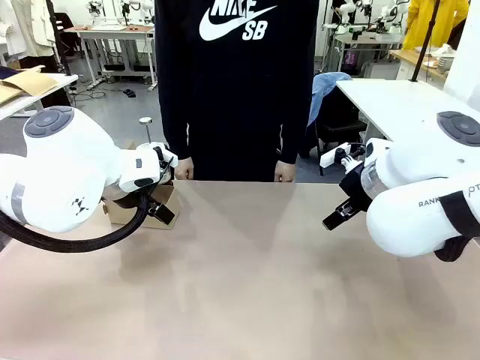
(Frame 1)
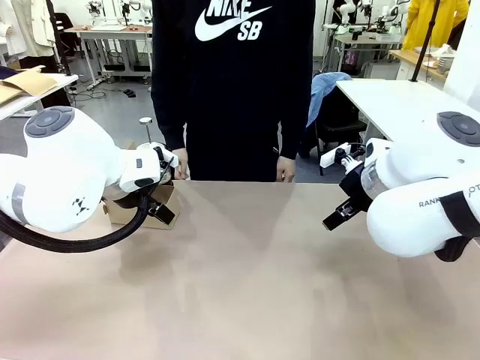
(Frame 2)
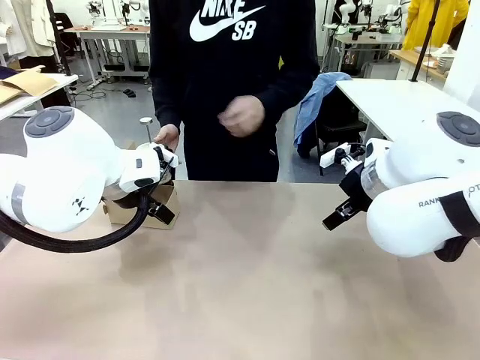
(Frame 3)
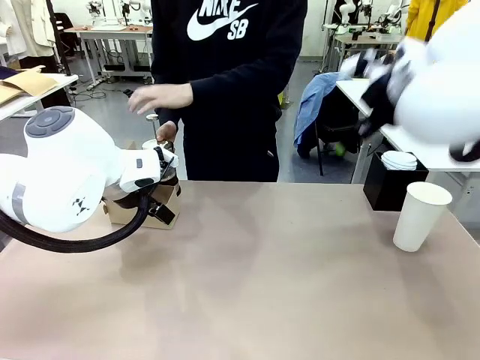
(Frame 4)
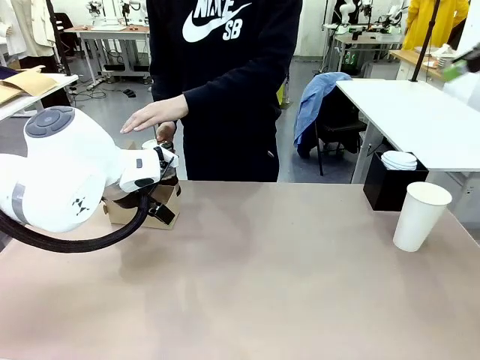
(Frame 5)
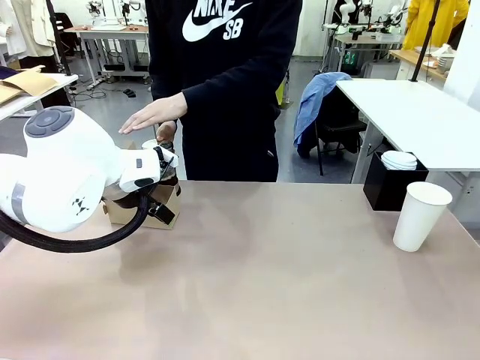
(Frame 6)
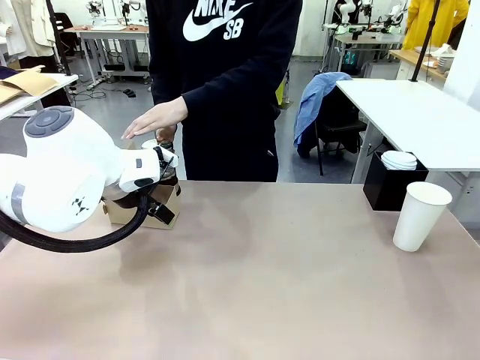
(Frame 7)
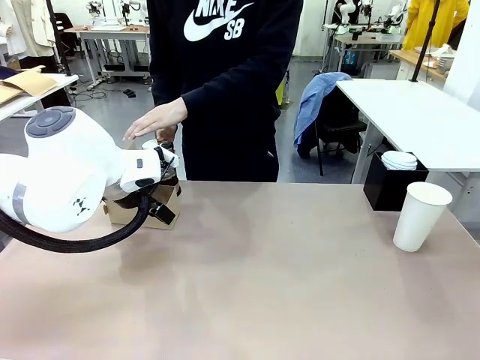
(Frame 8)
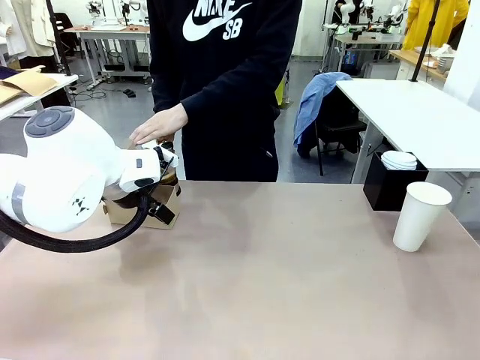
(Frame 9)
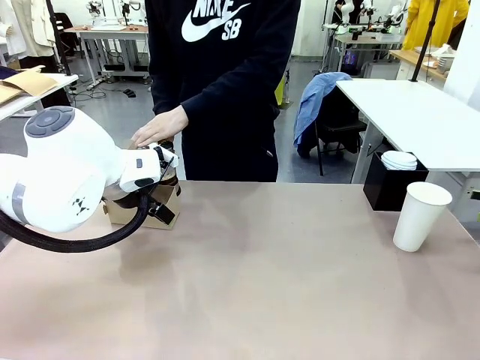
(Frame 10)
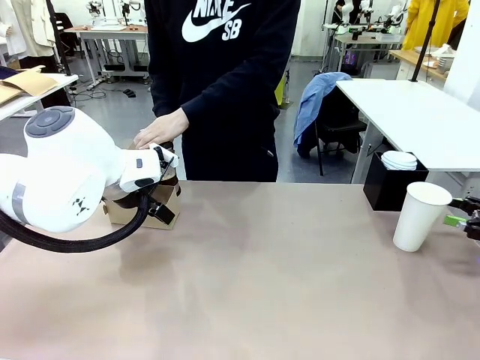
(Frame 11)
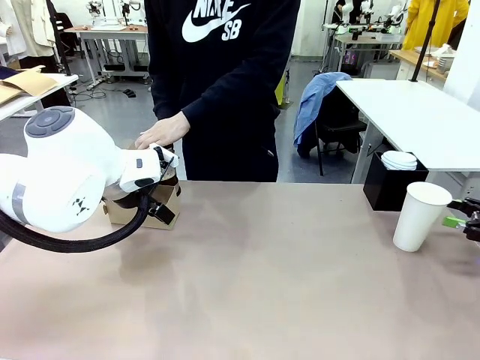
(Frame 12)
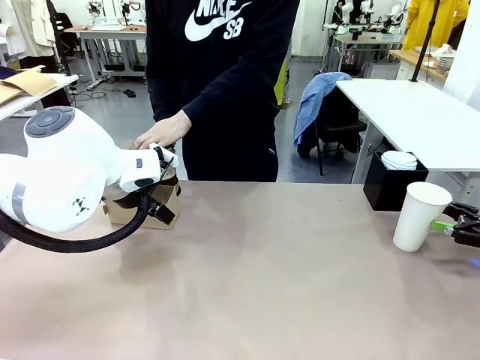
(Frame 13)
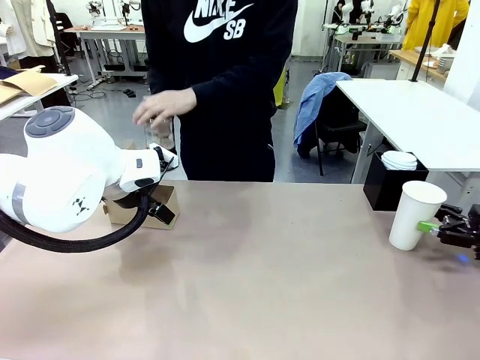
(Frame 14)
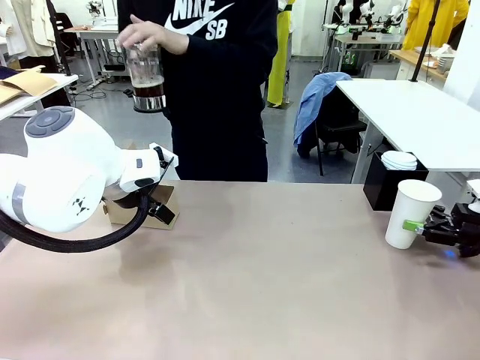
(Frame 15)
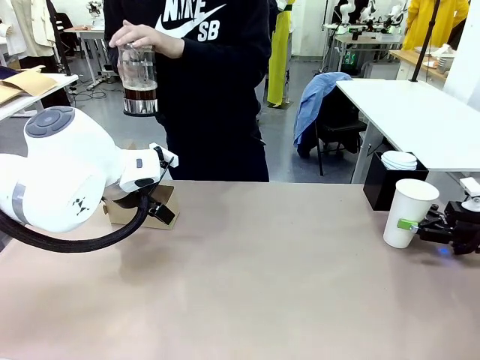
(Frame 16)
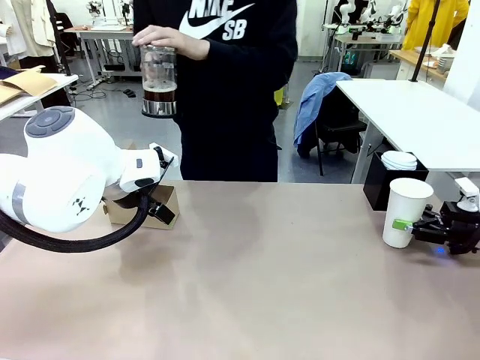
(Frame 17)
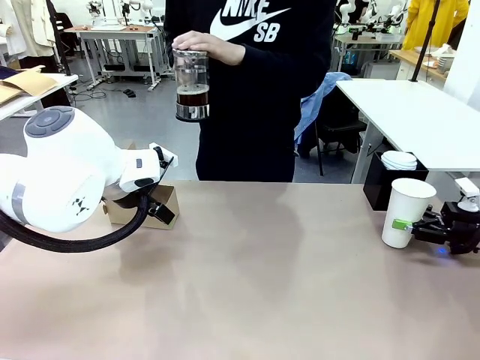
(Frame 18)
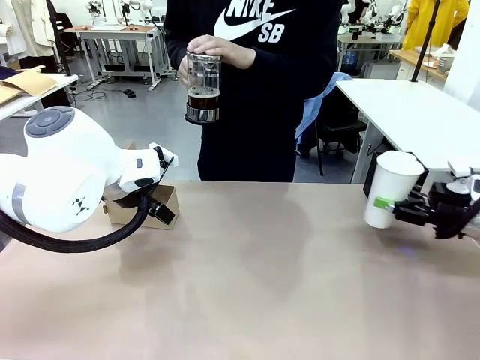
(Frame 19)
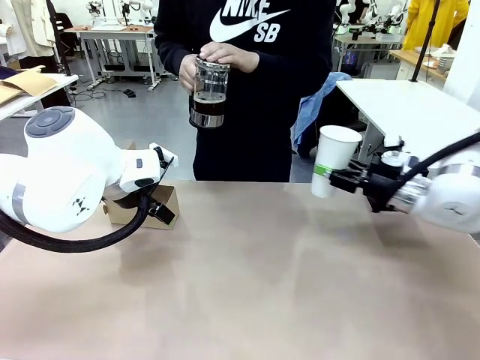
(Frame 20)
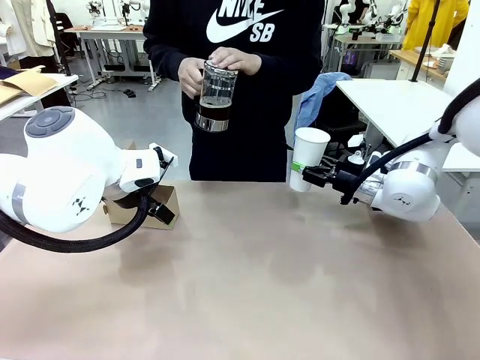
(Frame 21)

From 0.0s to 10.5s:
Task: Pour a drink into a cup and package it in a carrier.
Robot: Pick up the 600 ml Paper Cup and place it in the middle top area of the table.
Person: Press and pick up the Filter Brewing.

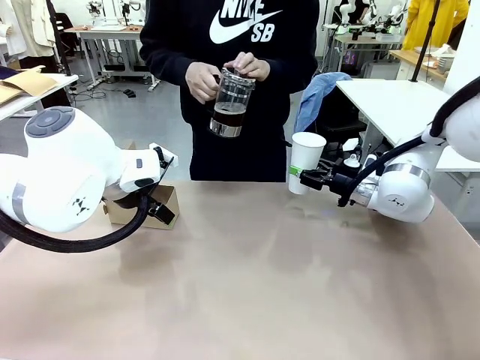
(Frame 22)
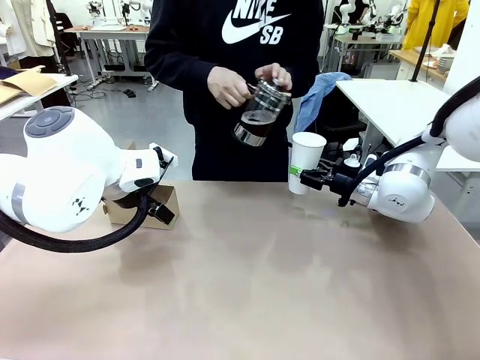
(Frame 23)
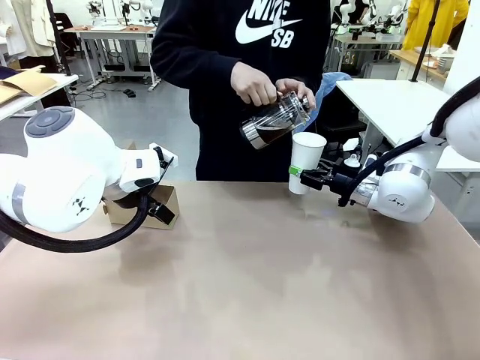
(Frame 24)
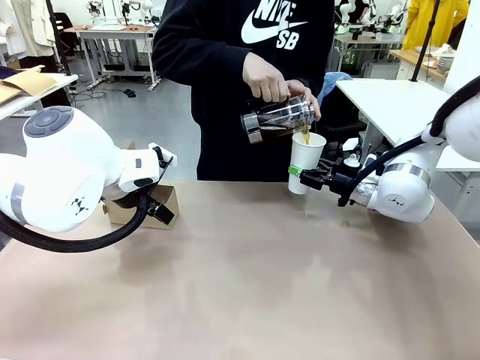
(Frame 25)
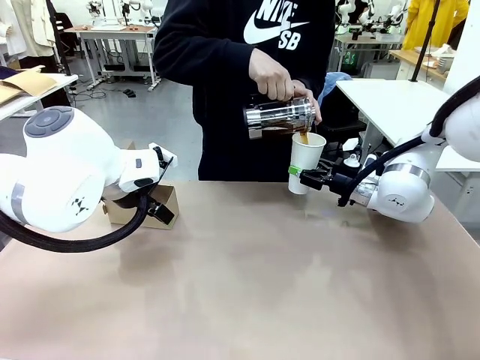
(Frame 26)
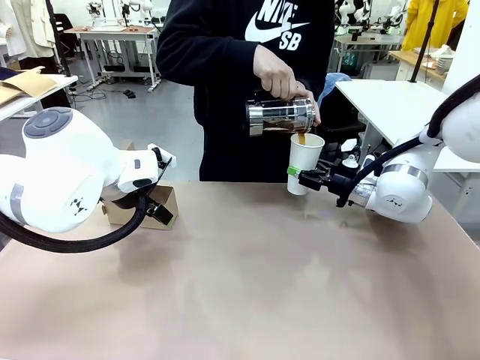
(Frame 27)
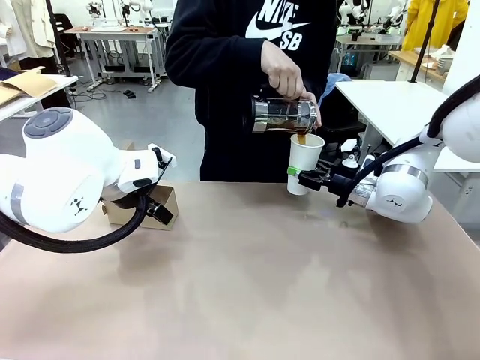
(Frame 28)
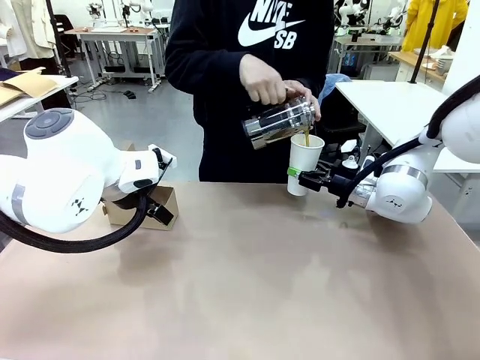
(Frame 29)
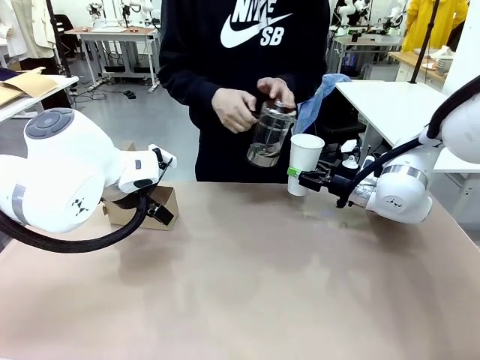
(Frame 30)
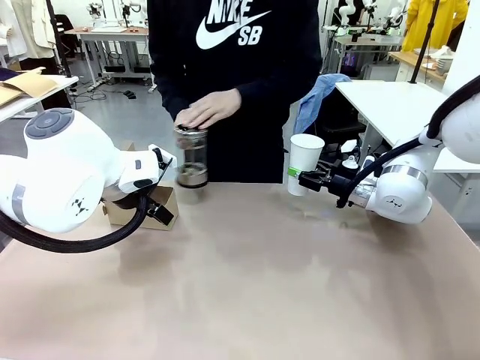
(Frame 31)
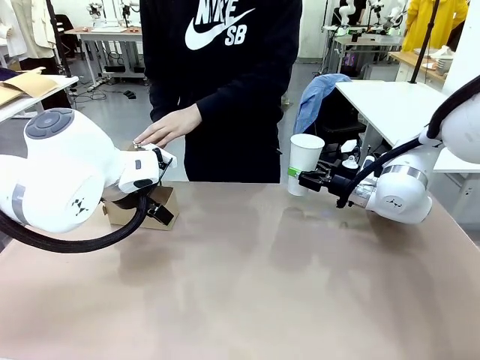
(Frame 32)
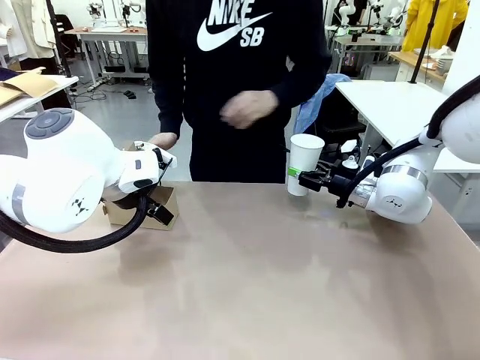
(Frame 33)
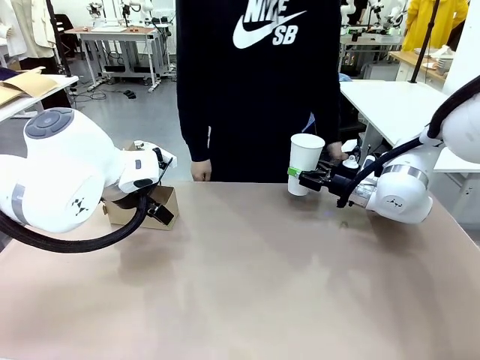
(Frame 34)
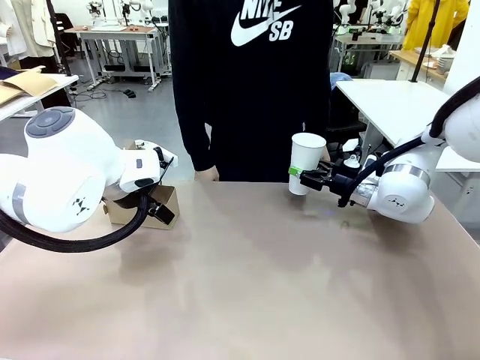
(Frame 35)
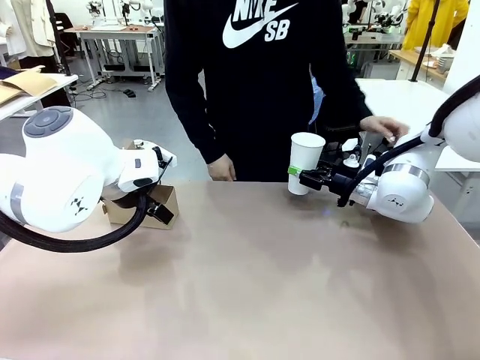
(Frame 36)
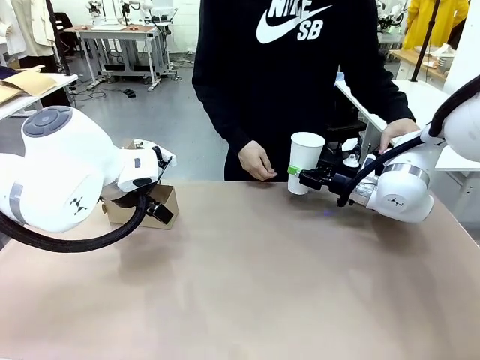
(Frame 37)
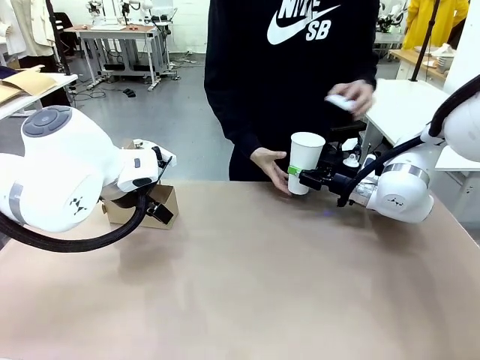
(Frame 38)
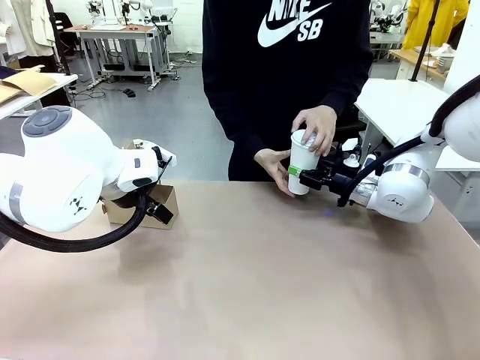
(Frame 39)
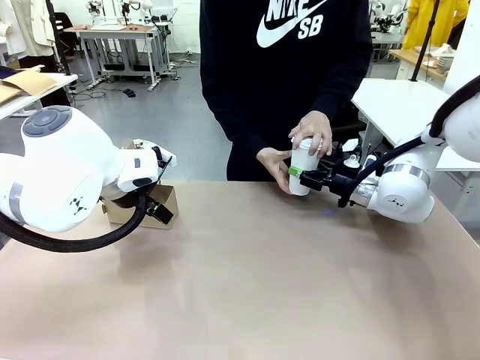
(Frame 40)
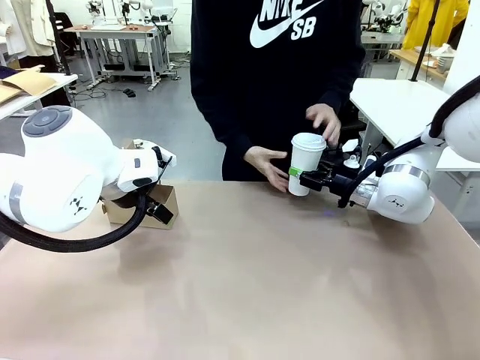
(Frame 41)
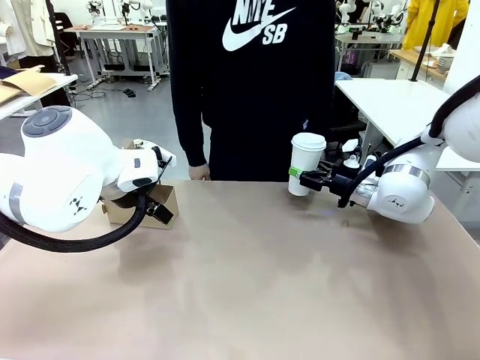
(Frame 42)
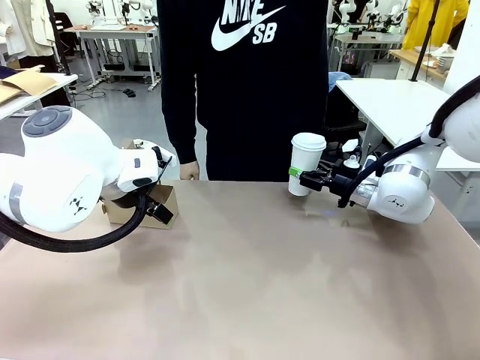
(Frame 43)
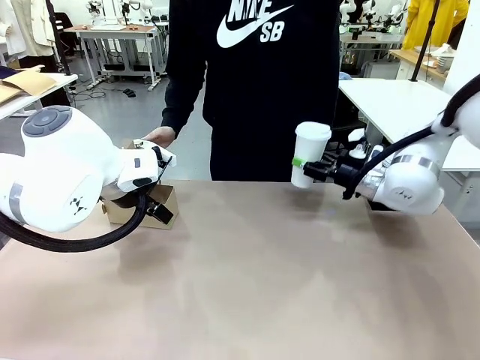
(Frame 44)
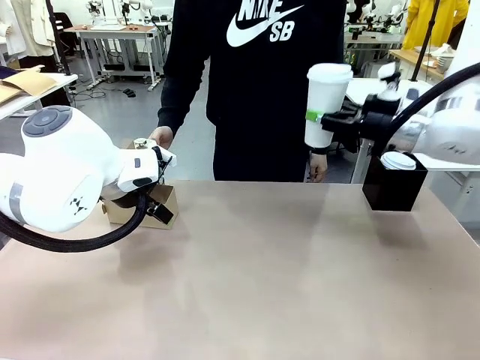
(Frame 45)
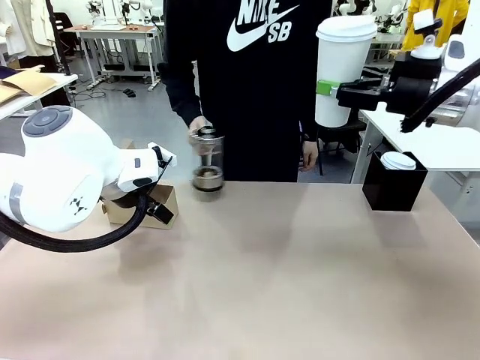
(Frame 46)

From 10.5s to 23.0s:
Robot: When a person places the Paper Cup Lid on the 600 ml Paper Cup , lift the 600 ml Paper Cup.
Person: Pour the drink from the Filter Brewing into the 600 ml Paper Cup. Place a Paper Cup Lid on the 600 ml Paper Cup.

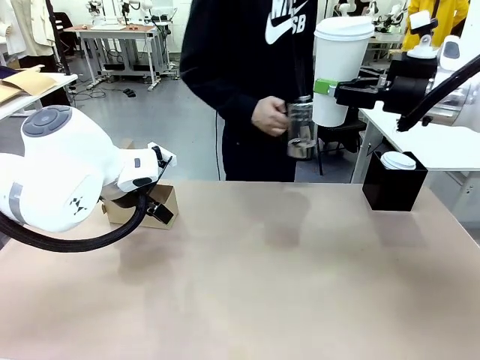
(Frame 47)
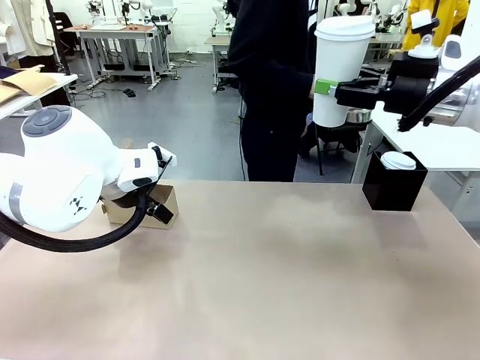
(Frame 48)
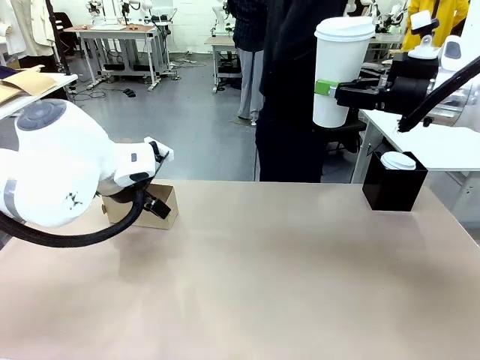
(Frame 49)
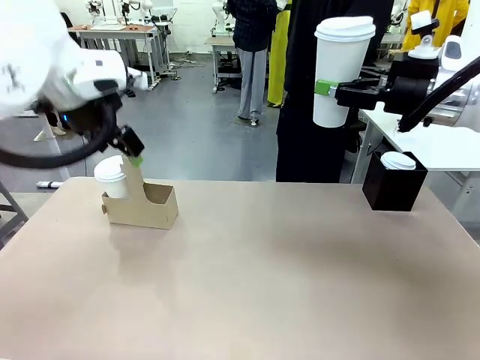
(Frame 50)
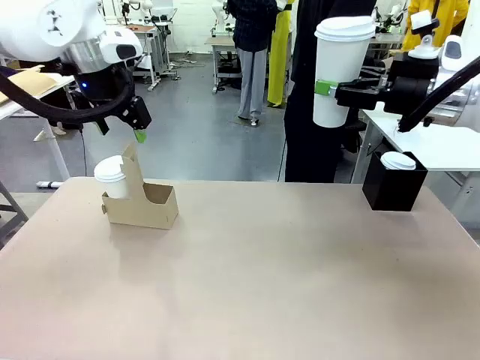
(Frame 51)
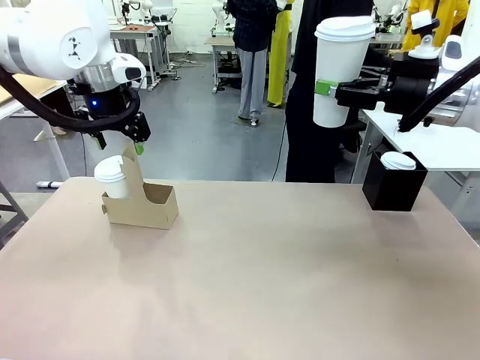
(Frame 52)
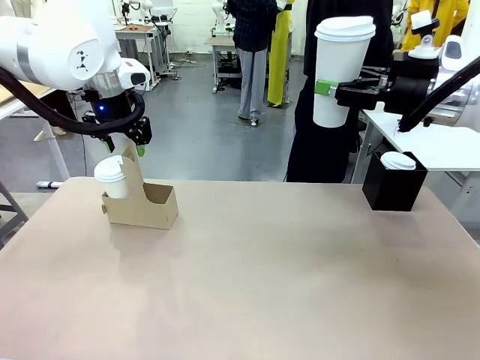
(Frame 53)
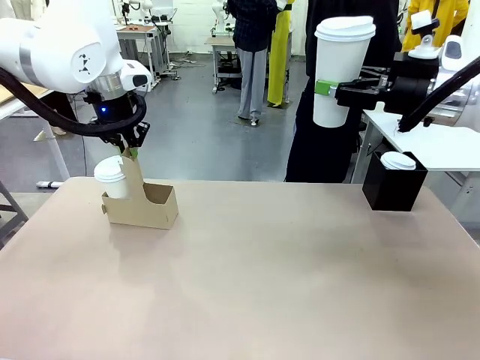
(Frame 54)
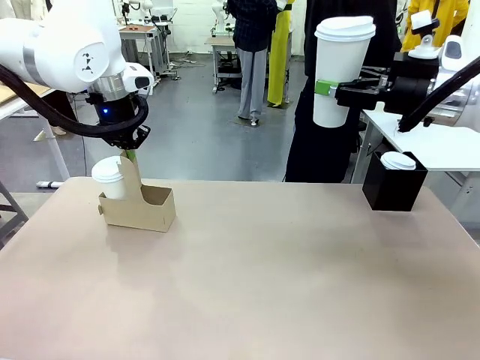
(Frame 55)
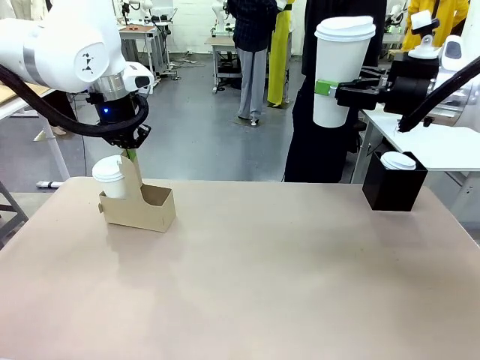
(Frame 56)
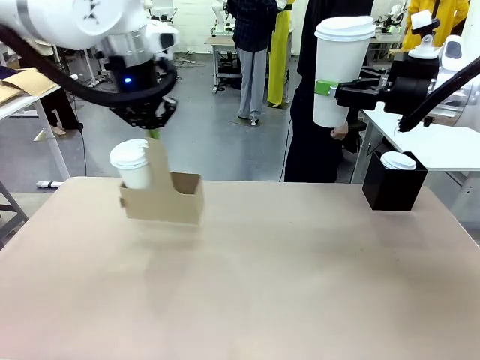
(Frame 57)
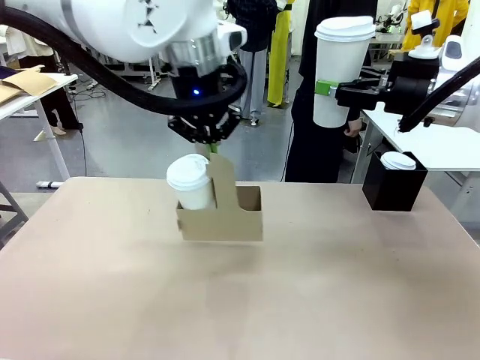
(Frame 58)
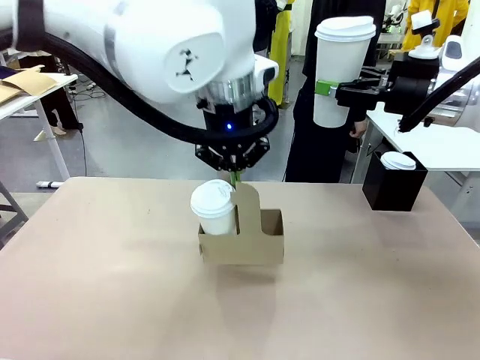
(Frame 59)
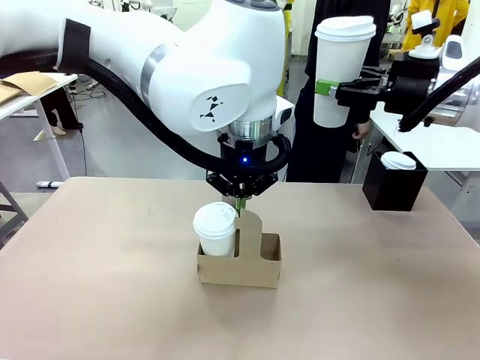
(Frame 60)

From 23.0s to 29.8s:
Robot: Position the Cup Carrier in the center of the table.
